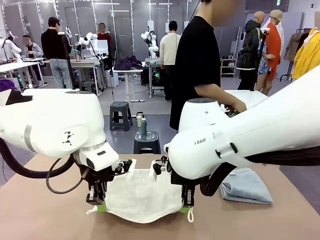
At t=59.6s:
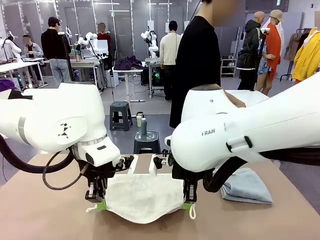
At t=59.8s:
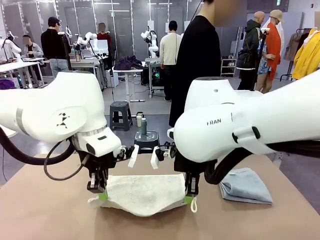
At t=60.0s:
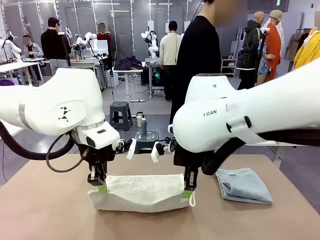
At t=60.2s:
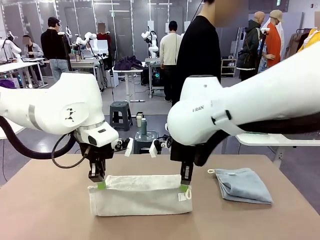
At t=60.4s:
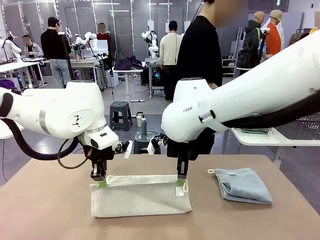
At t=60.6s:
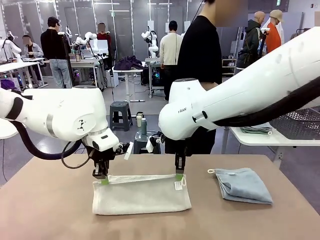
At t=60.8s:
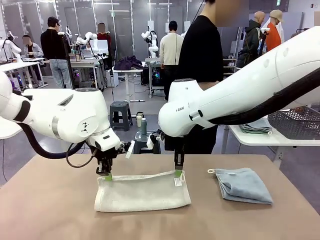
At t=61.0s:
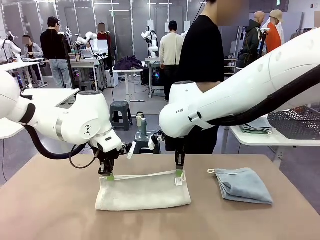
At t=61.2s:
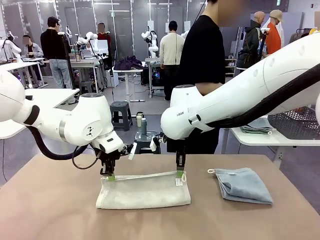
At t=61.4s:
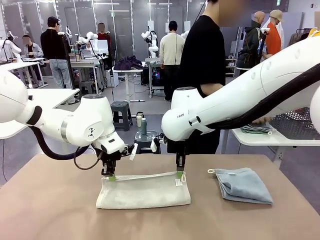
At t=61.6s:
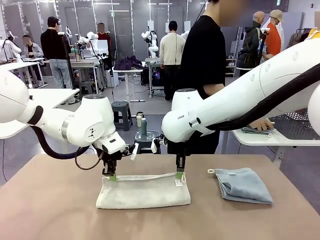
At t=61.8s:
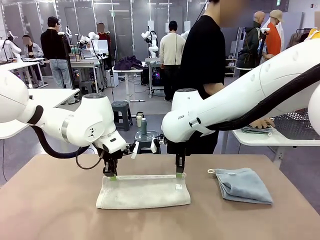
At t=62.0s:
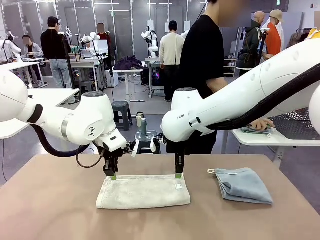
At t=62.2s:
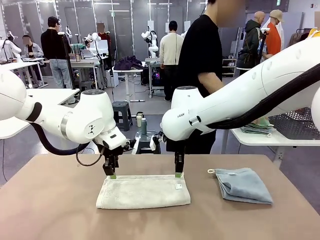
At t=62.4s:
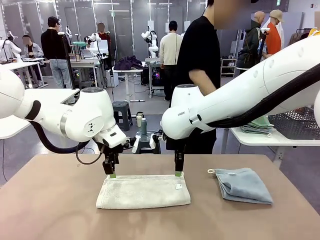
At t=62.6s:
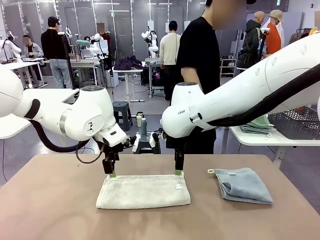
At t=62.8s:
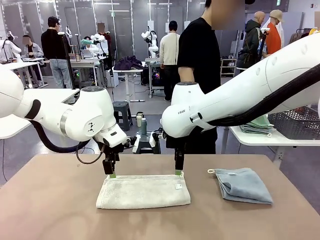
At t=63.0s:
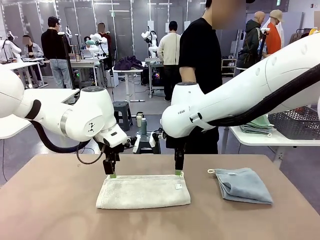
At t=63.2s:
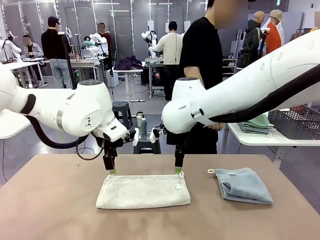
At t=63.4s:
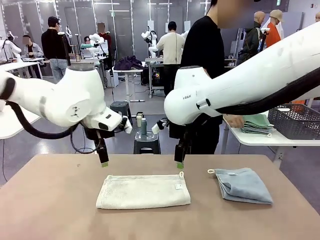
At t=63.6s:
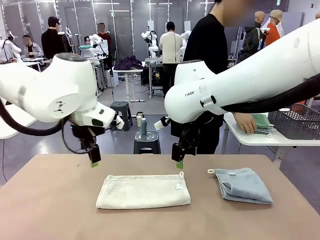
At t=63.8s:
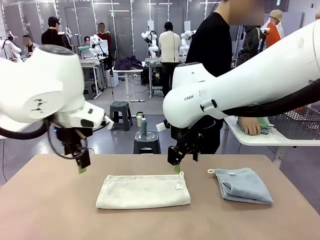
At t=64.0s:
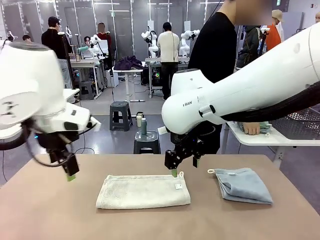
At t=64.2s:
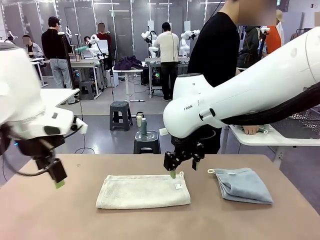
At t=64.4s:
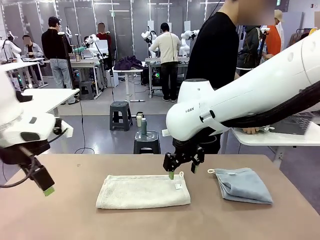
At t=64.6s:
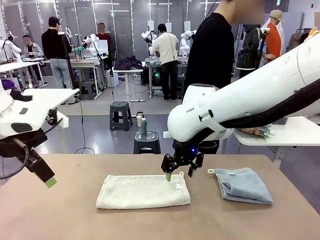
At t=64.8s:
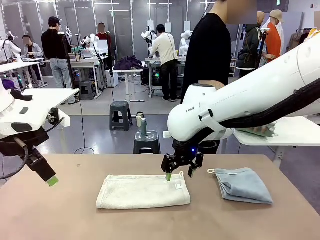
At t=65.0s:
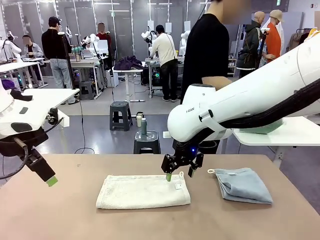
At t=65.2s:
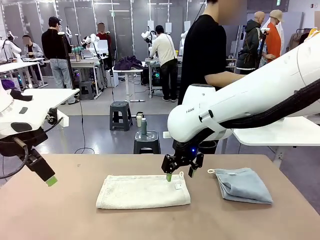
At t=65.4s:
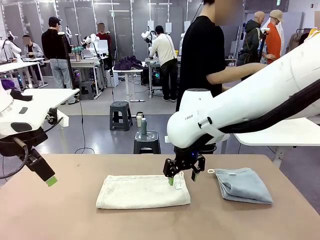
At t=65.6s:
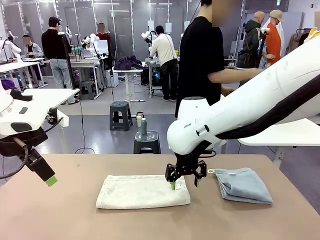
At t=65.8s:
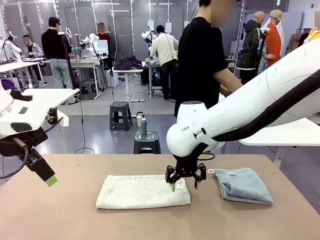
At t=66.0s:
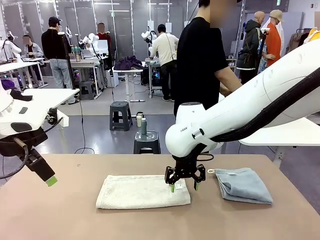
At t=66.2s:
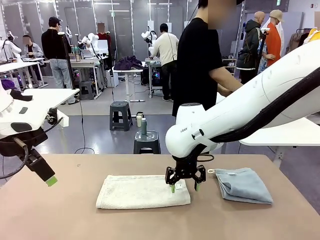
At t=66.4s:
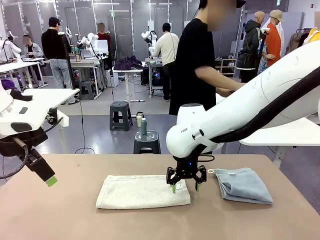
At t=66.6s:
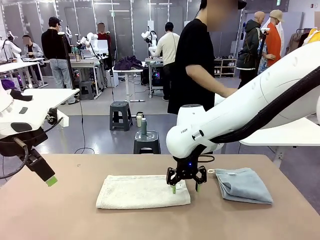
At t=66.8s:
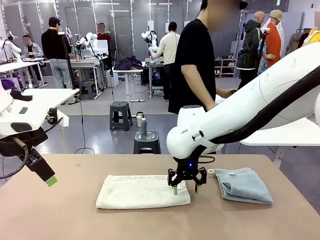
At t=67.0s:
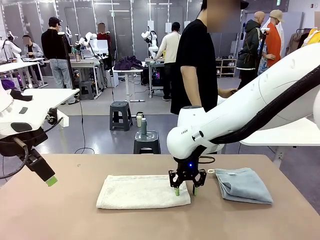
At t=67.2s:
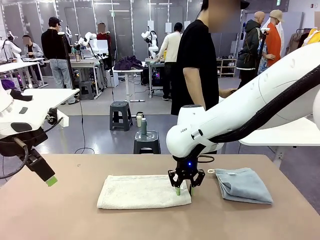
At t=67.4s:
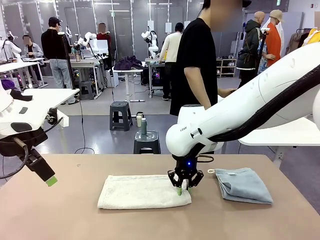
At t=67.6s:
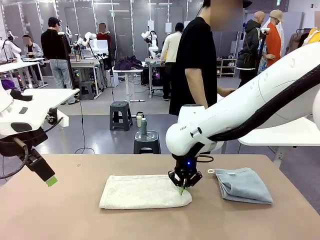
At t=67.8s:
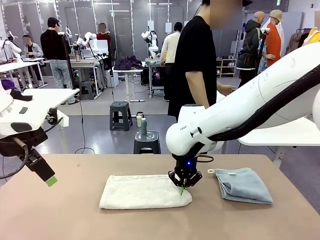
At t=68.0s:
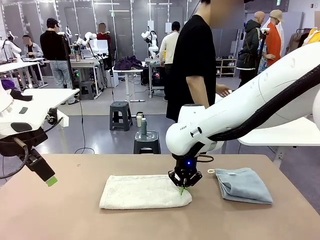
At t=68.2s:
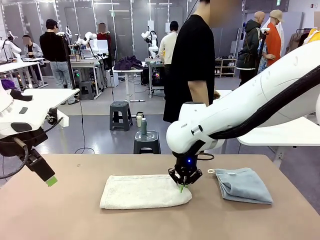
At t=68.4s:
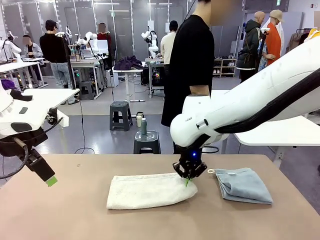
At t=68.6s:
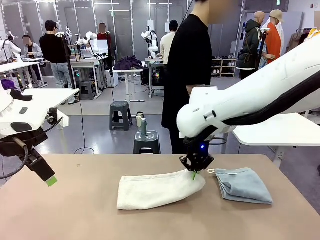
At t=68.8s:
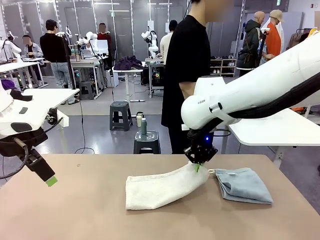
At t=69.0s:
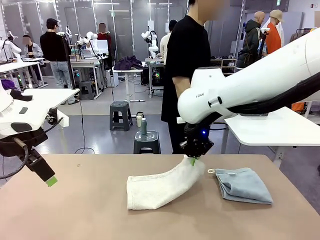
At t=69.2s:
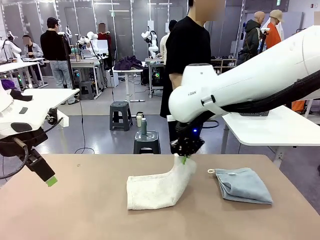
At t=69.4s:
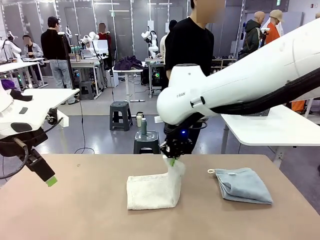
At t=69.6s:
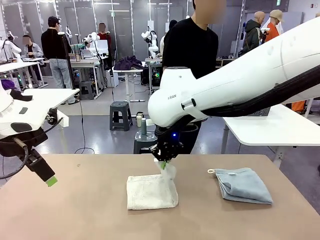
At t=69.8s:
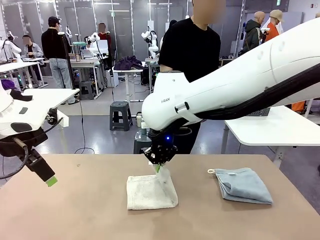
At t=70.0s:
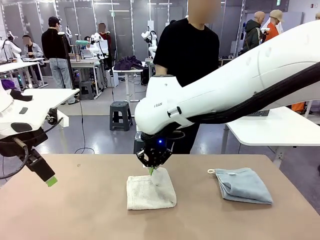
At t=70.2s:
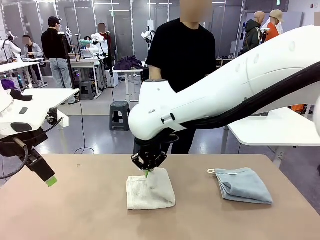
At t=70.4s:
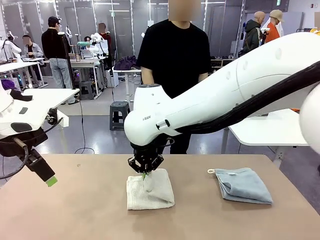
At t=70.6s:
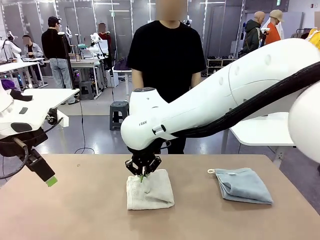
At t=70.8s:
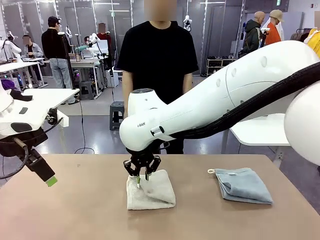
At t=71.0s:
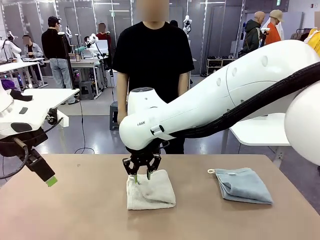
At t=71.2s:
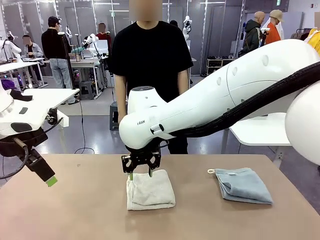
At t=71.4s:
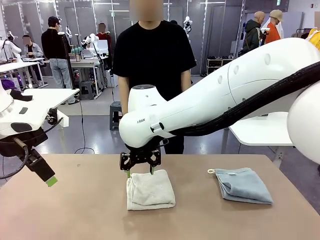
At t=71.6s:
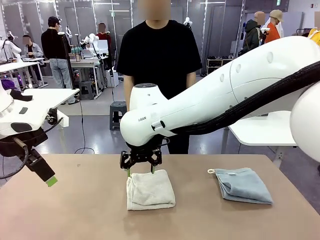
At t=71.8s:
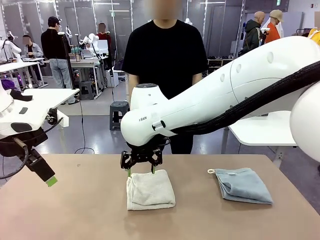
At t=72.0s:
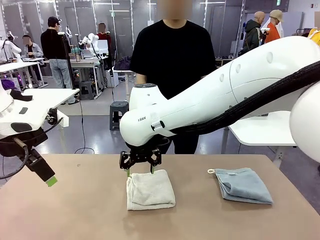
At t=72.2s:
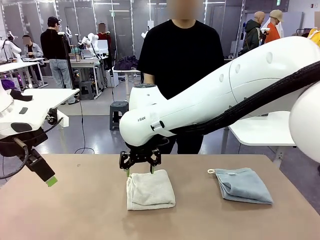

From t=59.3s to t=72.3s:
Task: Fold the towels and place them in the basket.
Robot: When a person lays out a Towel with hook on the table, fold it in half twice.
Person: Pick up the stack of towels from the right side of the human table, place it into the basket, and put the basket at the center of the table.
